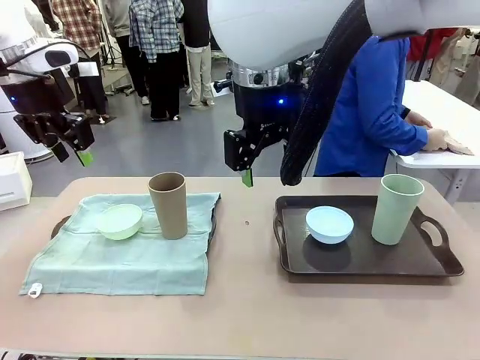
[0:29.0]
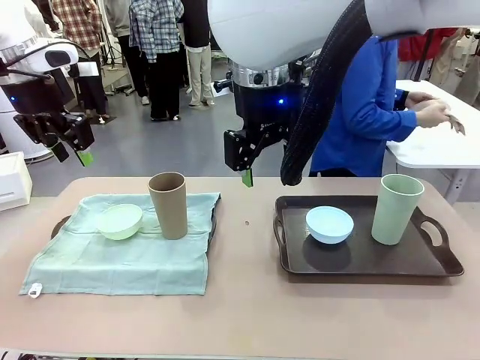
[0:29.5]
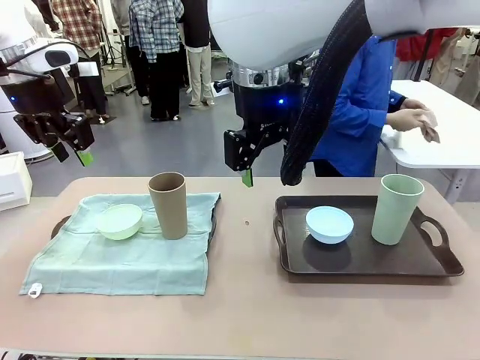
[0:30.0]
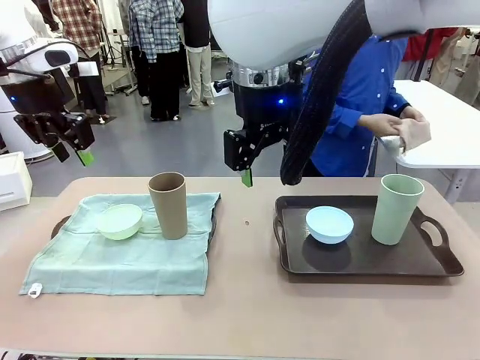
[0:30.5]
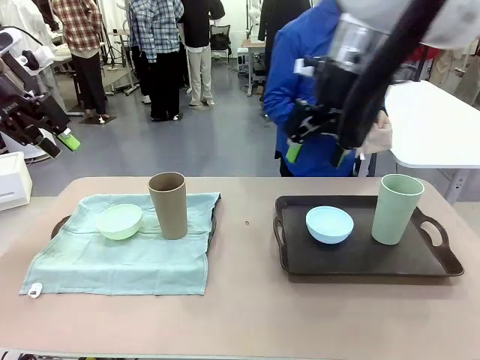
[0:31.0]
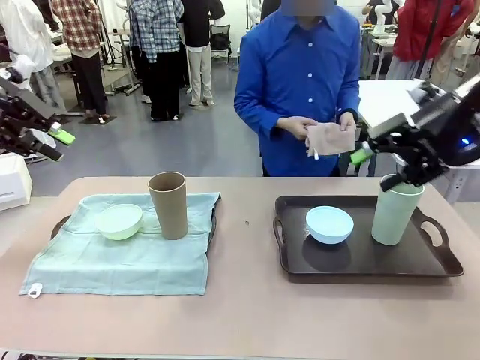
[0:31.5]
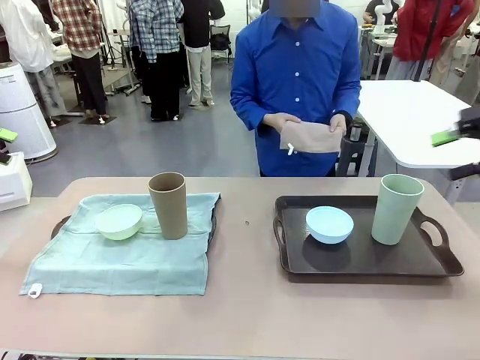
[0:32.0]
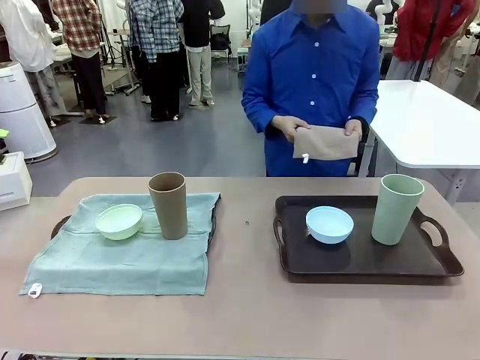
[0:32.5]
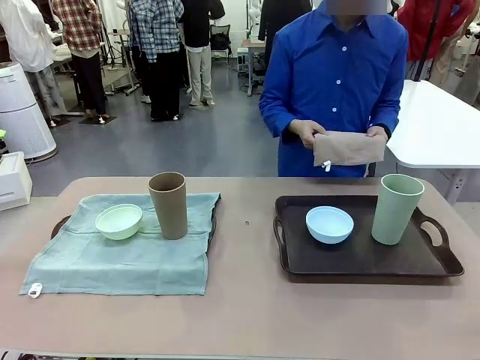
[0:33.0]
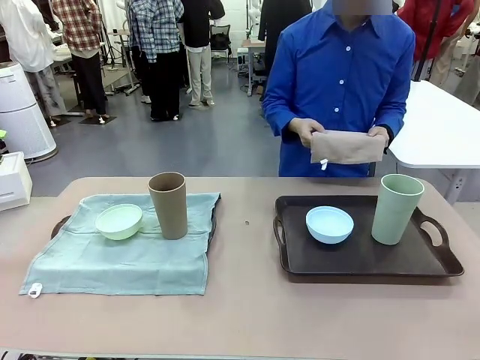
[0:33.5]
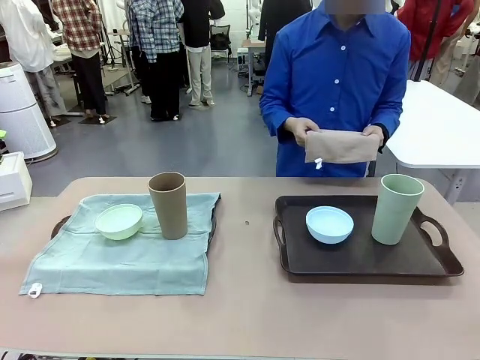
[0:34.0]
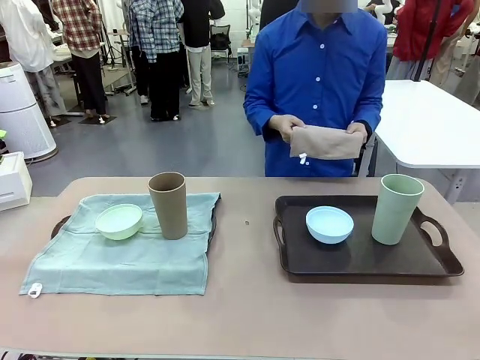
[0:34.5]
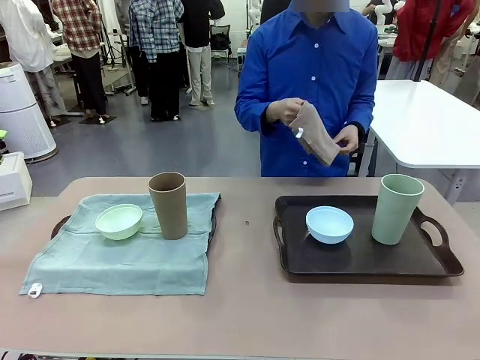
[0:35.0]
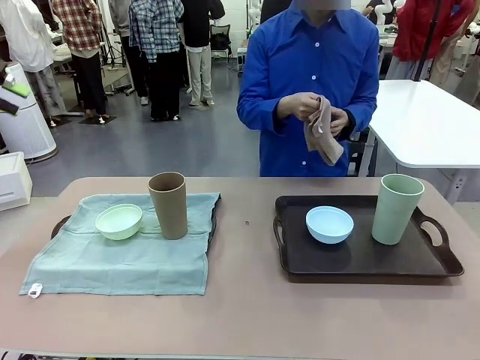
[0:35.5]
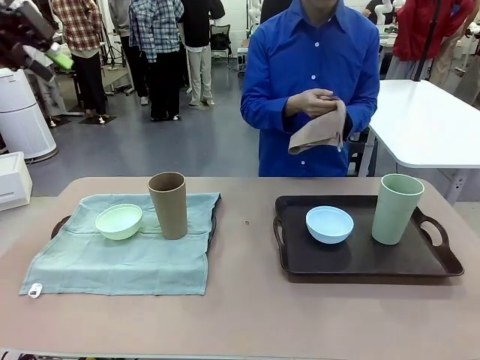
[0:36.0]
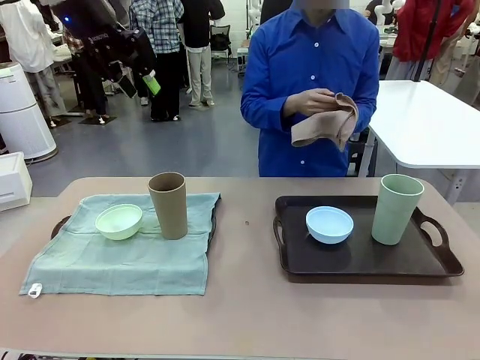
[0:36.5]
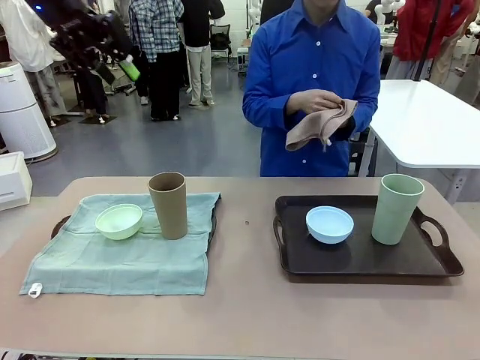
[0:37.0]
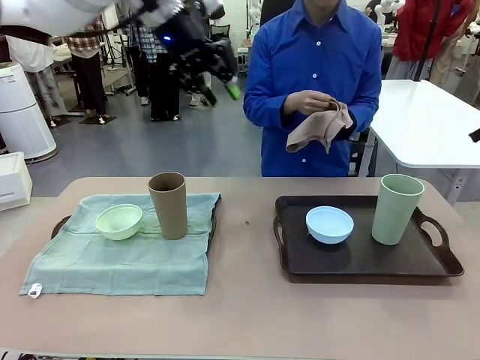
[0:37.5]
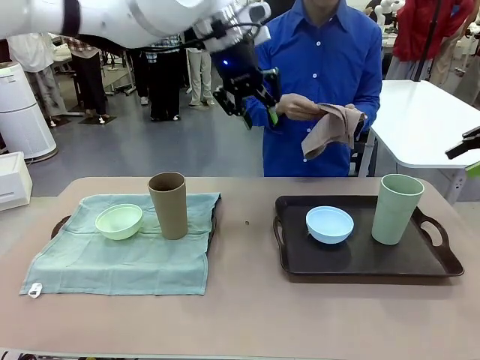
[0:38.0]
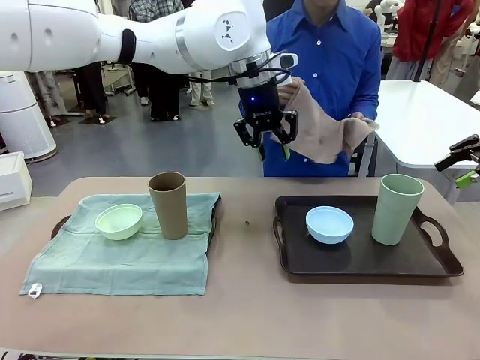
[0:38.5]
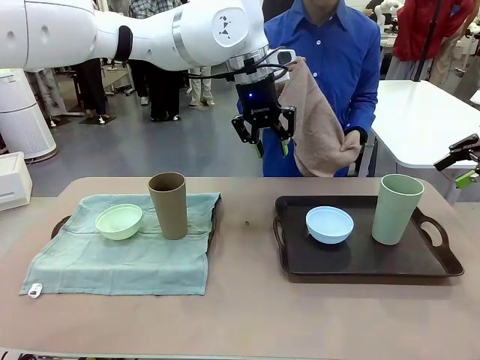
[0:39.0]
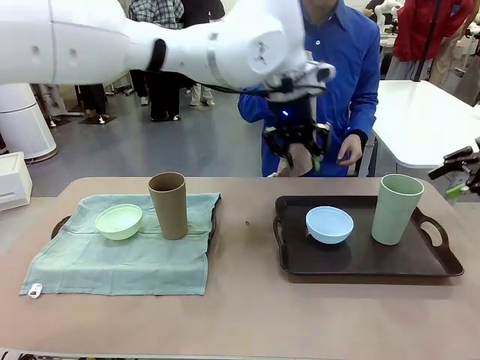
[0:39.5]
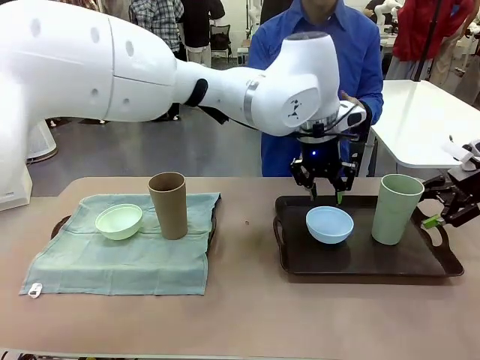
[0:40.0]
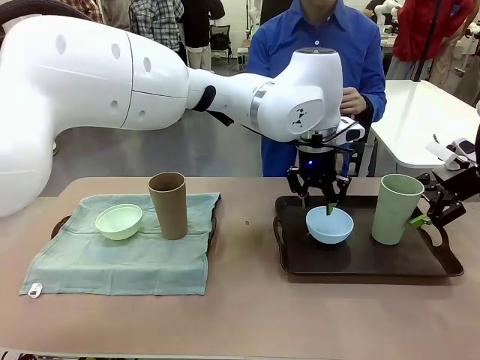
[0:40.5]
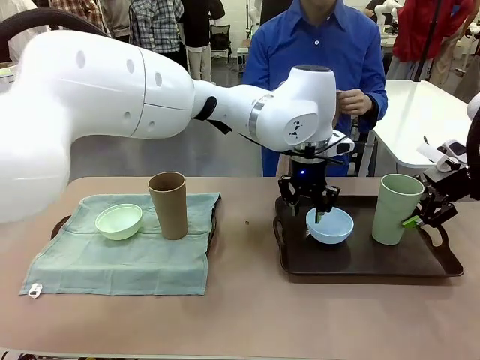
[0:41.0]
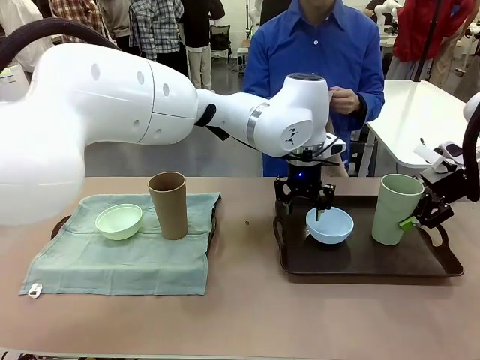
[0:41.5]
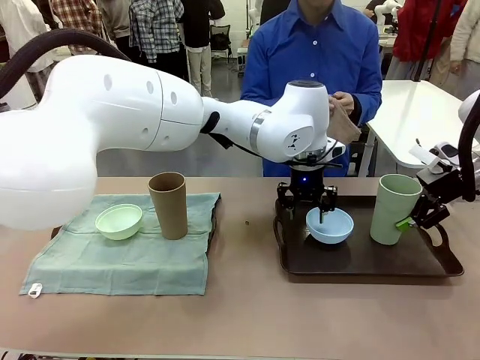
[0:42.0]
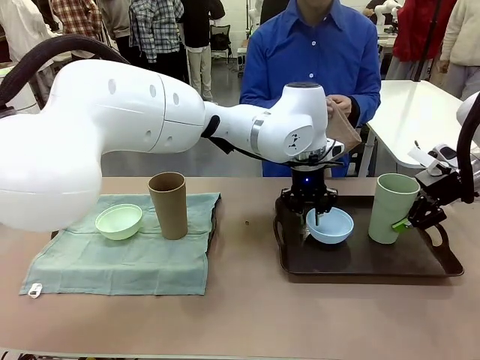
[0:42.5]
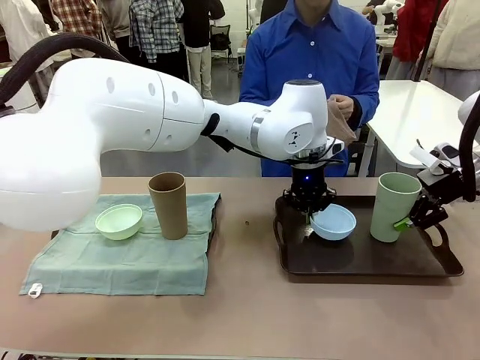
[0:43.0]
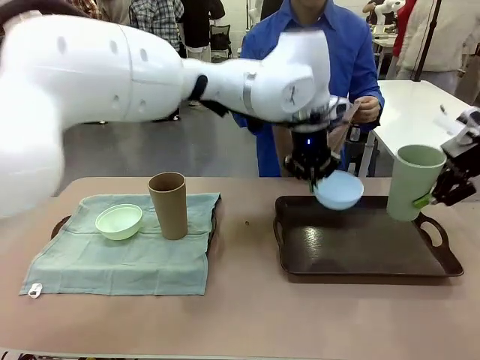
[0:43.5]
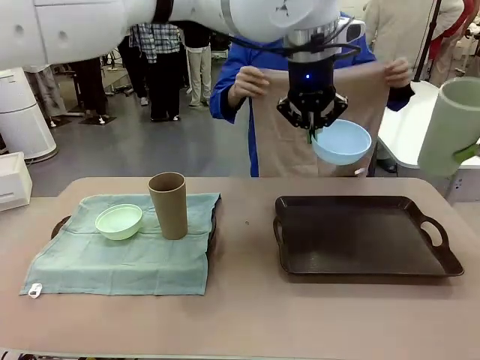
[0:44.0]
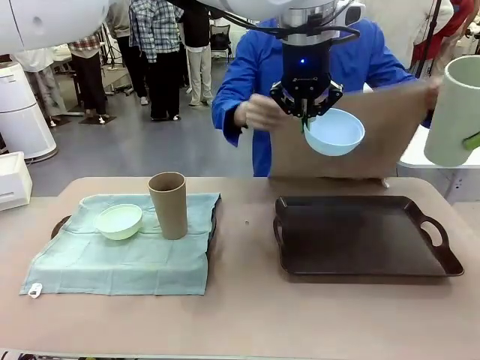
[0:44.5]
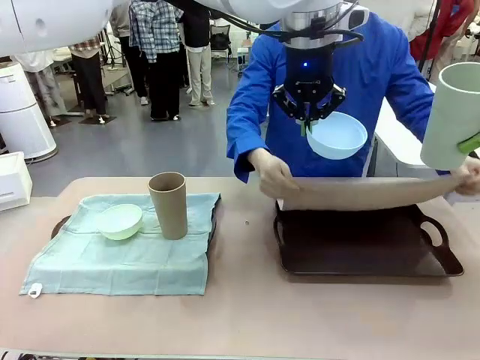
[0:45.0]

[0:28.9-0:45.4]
Robot: Pick up the Picnic Bowl and Reusable plastic cup from the Handle tray in front of the human's position and hold them in the air.

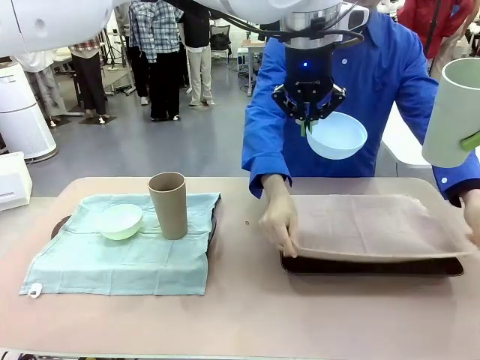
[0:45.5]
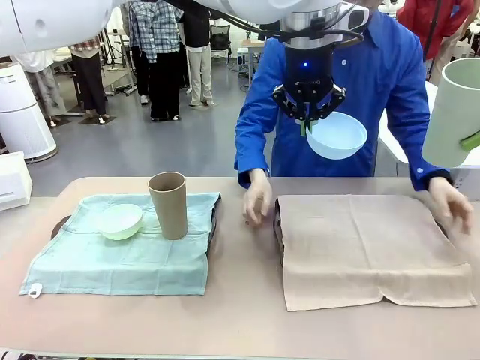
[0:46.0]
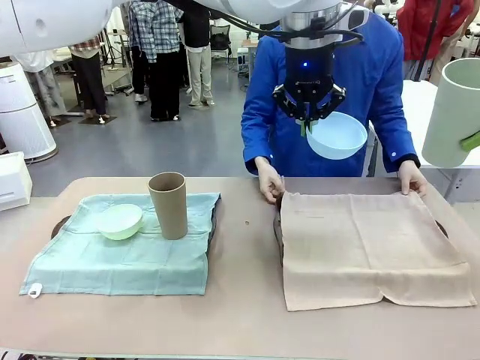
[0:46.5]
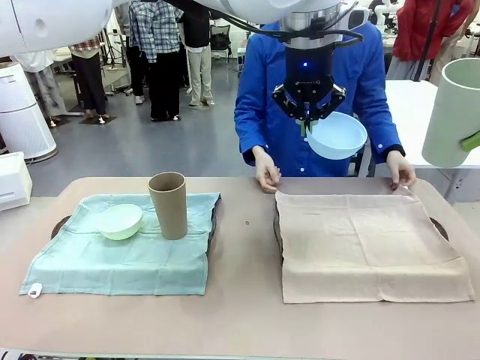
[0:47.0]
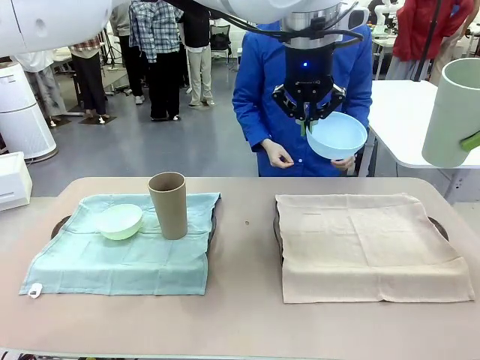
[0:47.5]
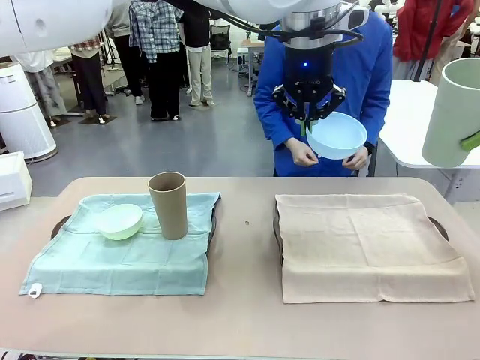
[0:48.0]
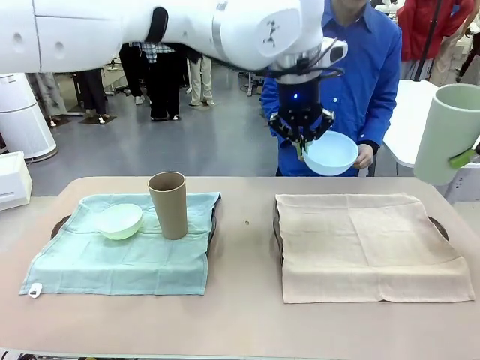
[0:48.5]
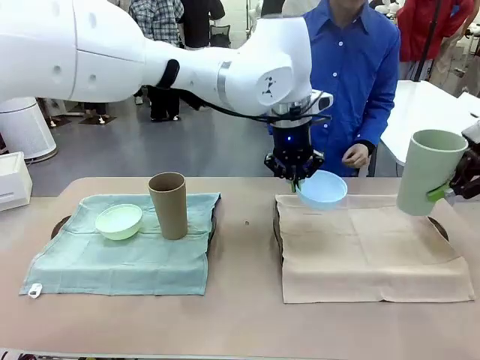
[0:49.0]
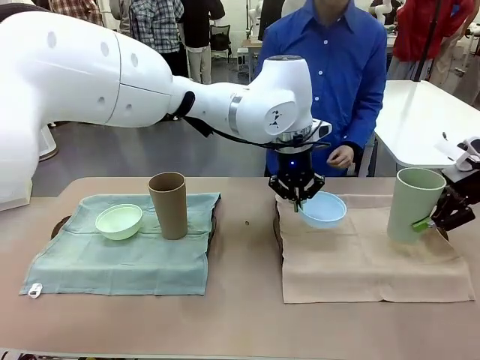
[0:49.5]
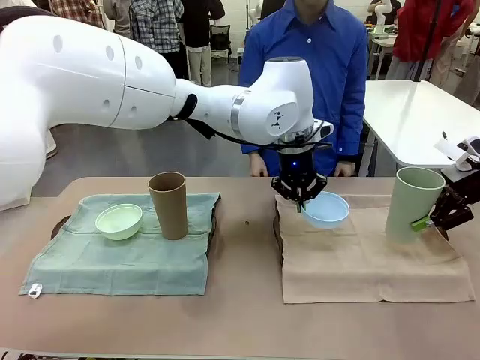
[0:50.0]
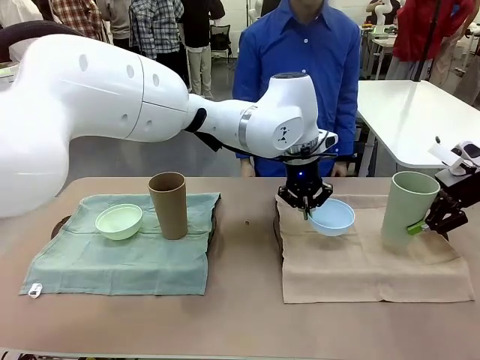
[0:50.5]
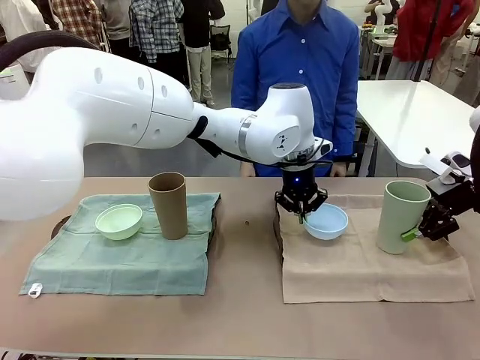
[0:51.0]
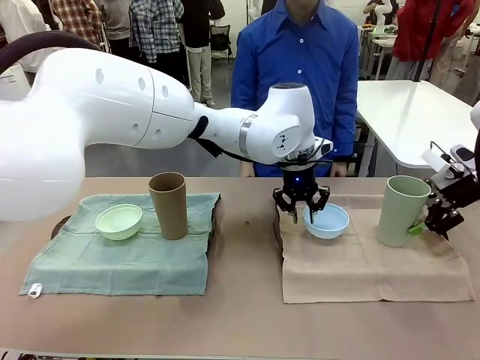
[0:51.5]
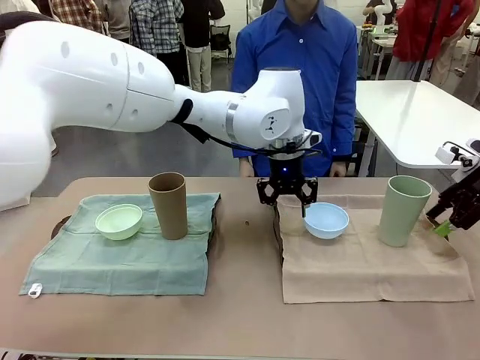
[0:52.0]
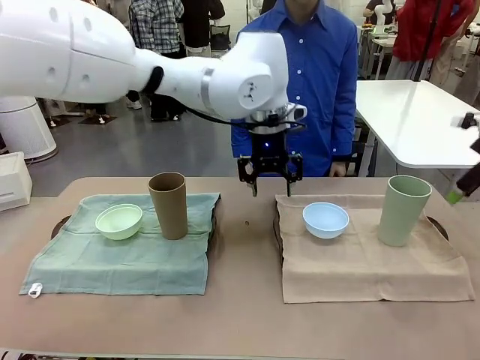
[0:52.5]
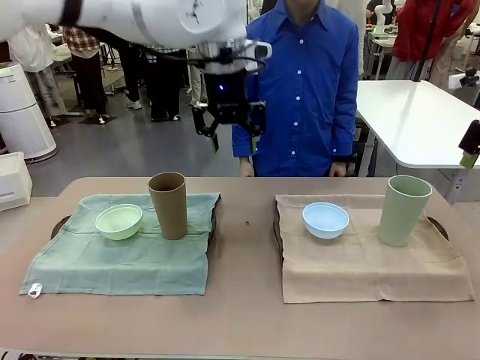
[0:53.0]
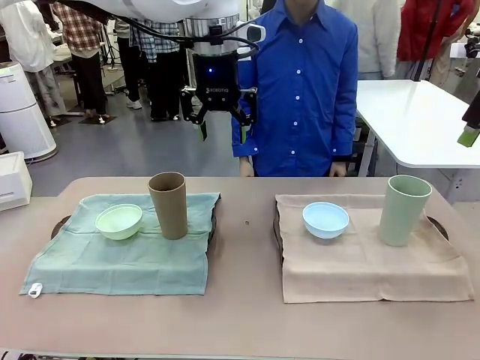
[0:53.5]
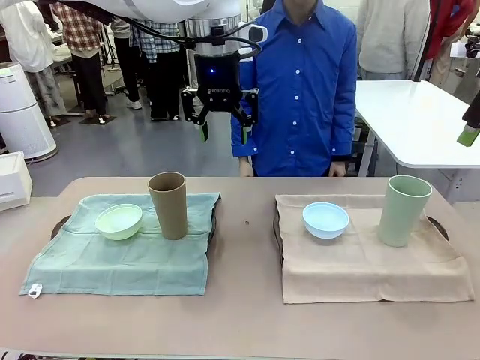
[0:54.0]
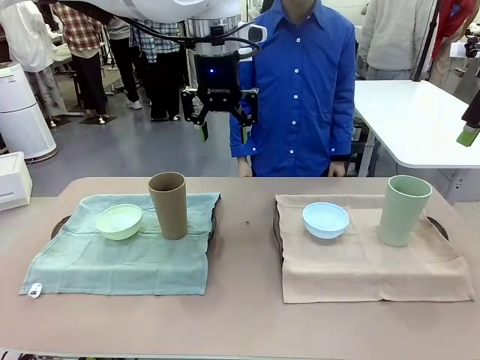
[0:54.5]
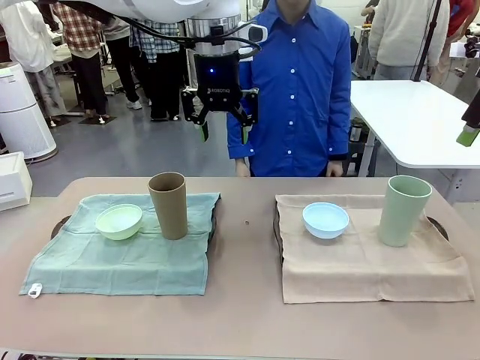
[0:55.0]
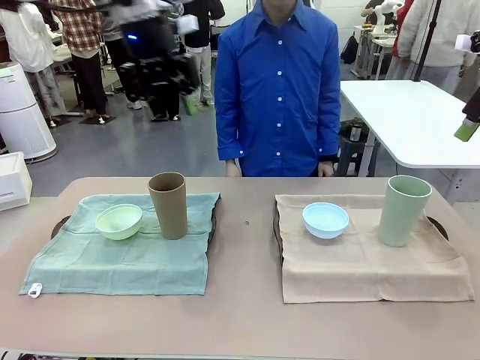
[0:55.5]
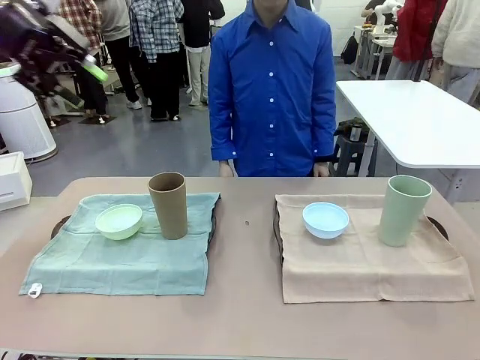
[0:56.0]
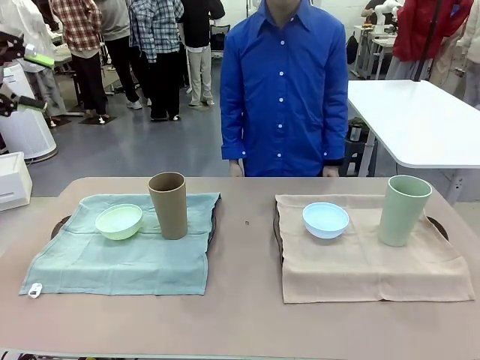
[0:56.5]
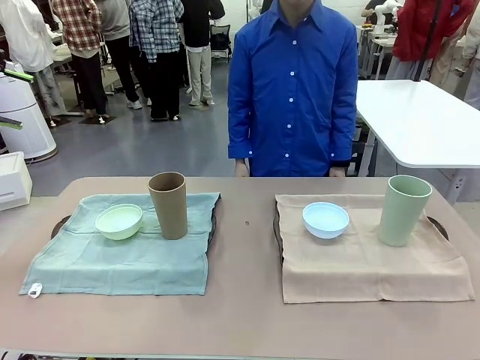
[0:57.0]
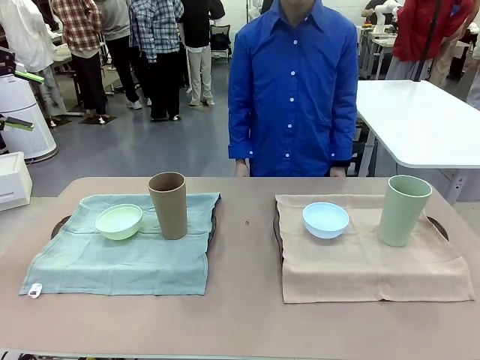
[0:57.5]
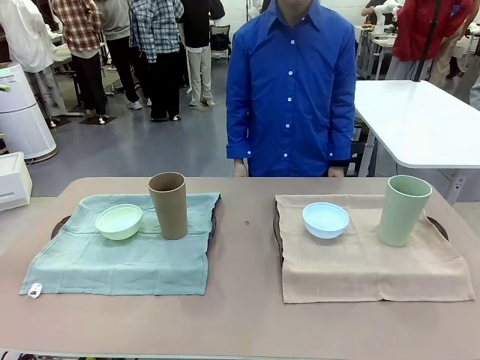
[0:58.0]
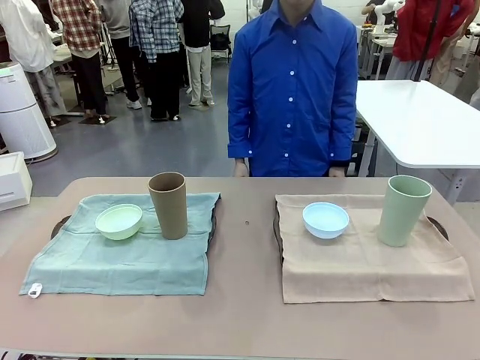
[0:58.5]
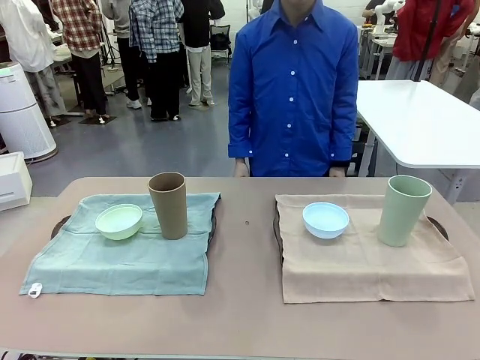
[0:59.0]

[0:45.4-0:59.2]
Robot: Place the Picnic Bowl and Reusable plastic cup back onto the Handle tray in front of the human's position.
Person: When the robot lifts the bowl and the cup, the human unfolds the napkin and lays the napkin flat on the tray.
